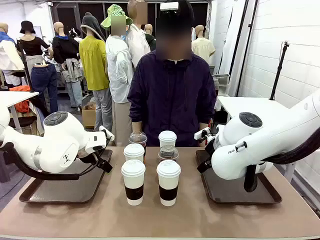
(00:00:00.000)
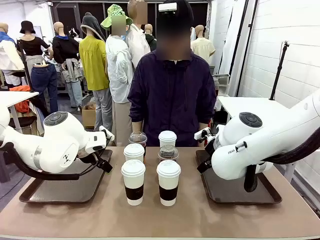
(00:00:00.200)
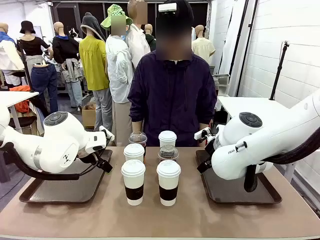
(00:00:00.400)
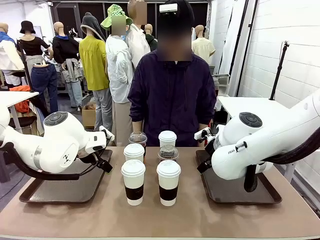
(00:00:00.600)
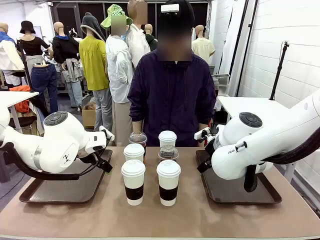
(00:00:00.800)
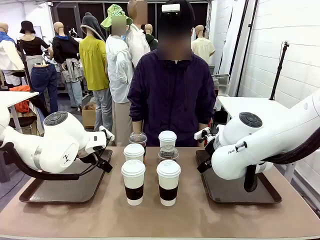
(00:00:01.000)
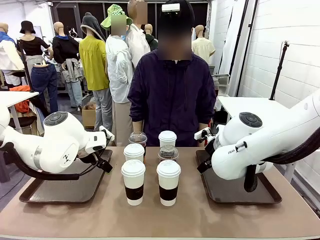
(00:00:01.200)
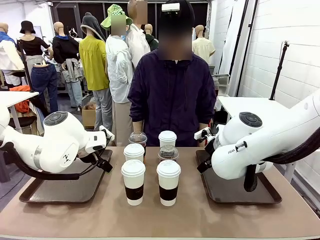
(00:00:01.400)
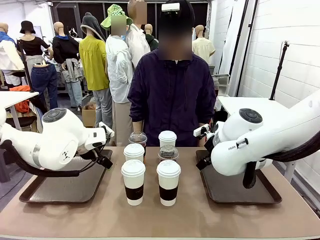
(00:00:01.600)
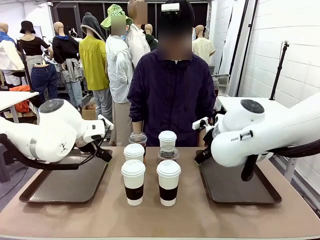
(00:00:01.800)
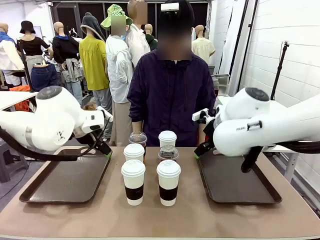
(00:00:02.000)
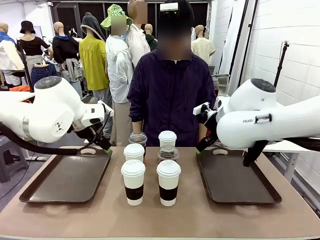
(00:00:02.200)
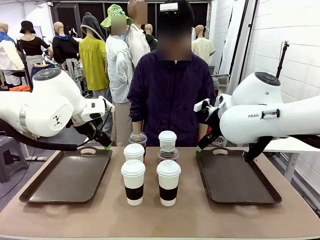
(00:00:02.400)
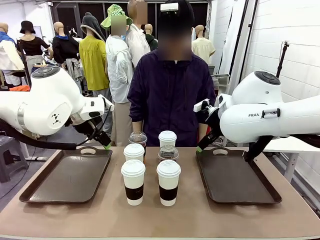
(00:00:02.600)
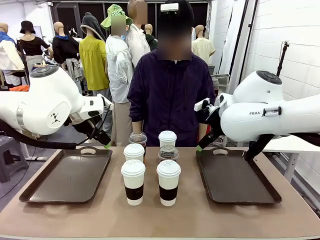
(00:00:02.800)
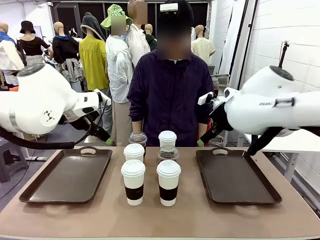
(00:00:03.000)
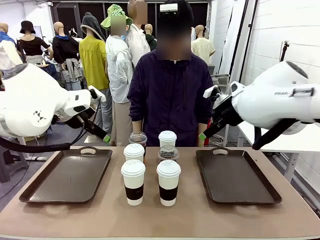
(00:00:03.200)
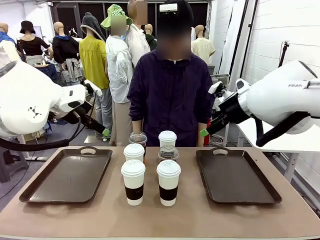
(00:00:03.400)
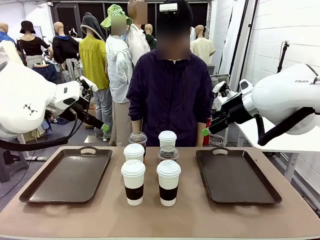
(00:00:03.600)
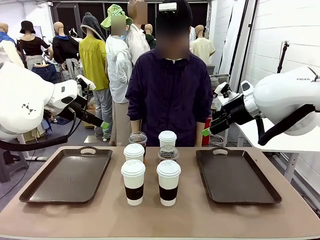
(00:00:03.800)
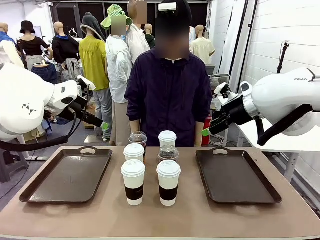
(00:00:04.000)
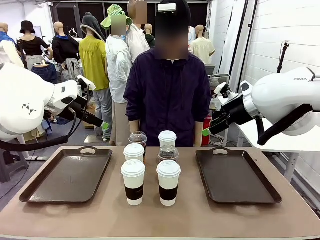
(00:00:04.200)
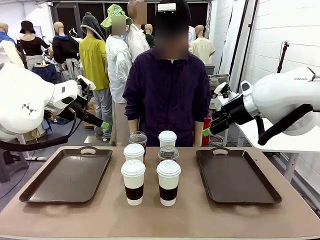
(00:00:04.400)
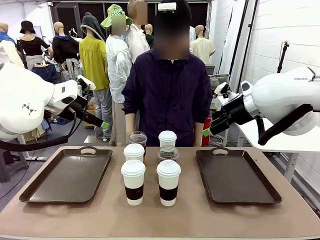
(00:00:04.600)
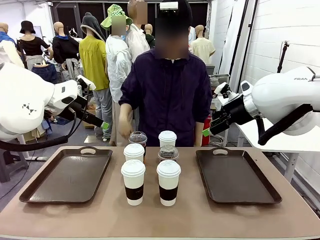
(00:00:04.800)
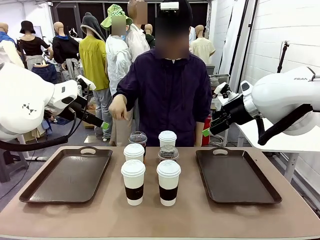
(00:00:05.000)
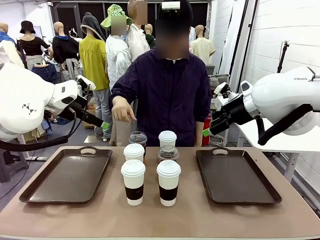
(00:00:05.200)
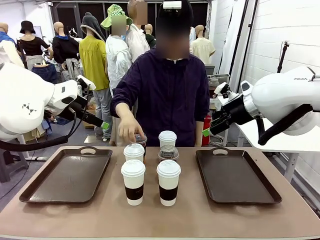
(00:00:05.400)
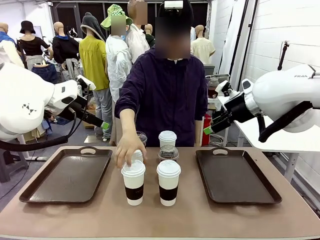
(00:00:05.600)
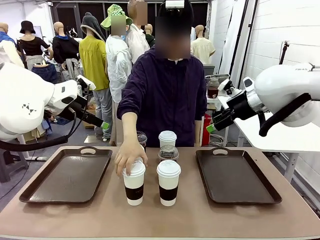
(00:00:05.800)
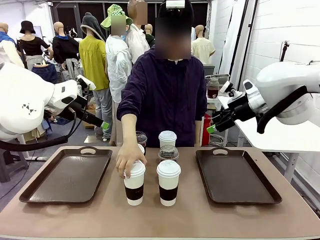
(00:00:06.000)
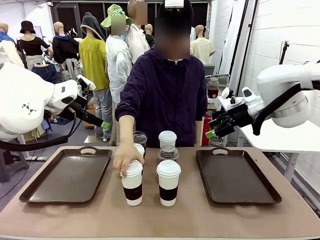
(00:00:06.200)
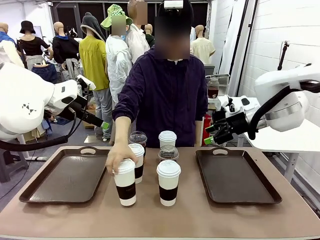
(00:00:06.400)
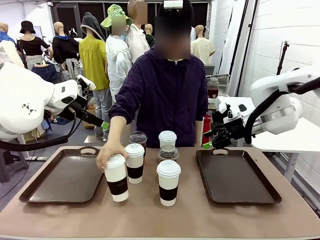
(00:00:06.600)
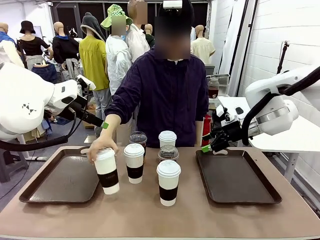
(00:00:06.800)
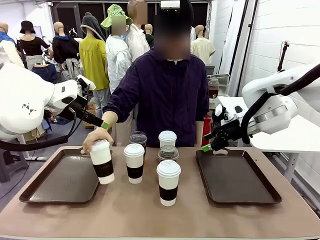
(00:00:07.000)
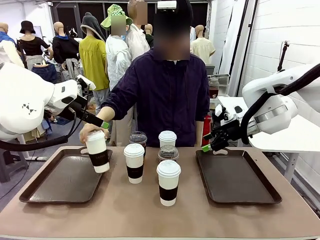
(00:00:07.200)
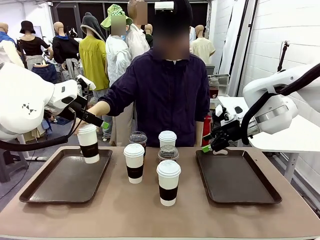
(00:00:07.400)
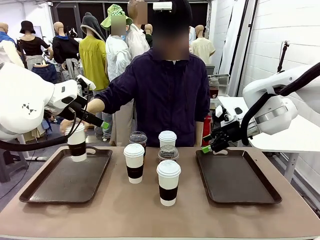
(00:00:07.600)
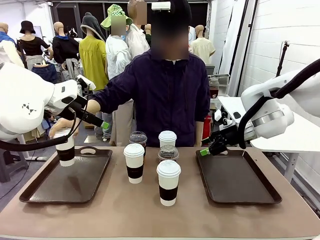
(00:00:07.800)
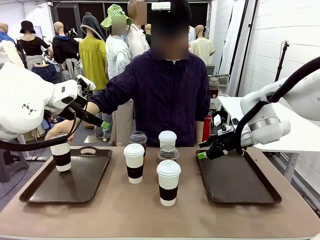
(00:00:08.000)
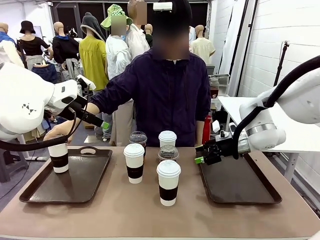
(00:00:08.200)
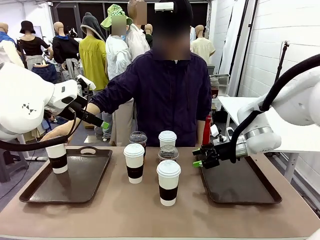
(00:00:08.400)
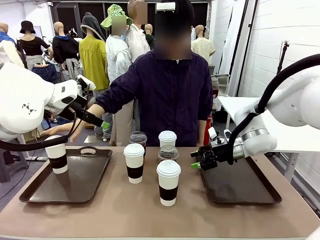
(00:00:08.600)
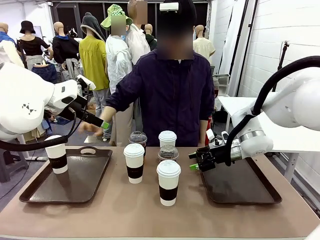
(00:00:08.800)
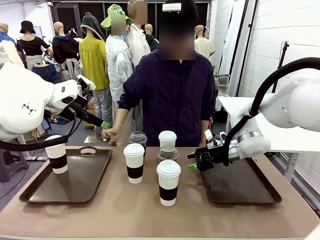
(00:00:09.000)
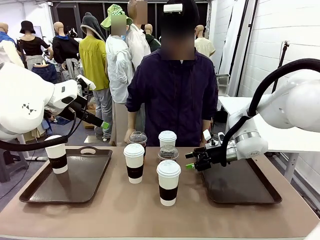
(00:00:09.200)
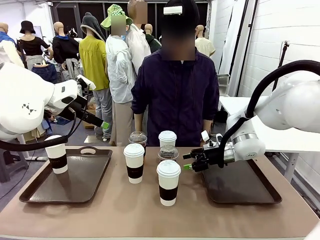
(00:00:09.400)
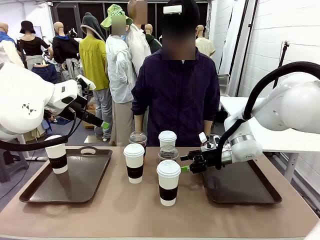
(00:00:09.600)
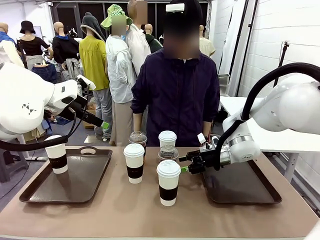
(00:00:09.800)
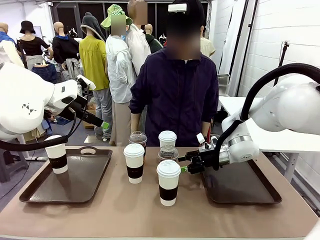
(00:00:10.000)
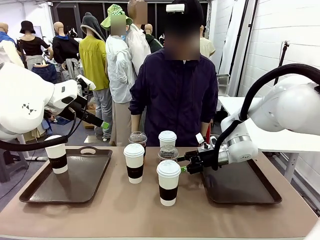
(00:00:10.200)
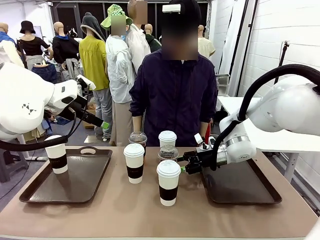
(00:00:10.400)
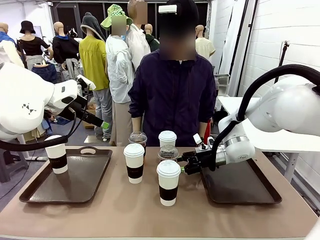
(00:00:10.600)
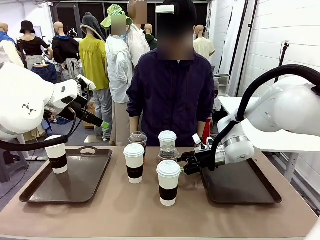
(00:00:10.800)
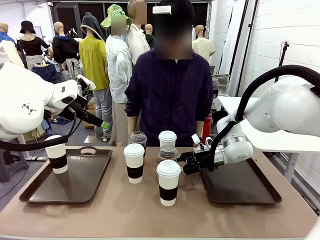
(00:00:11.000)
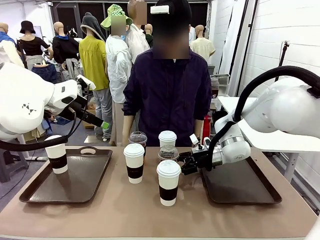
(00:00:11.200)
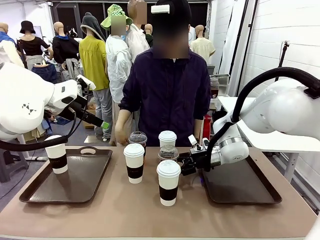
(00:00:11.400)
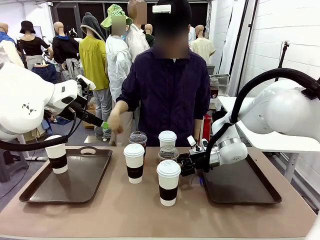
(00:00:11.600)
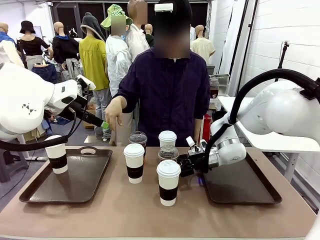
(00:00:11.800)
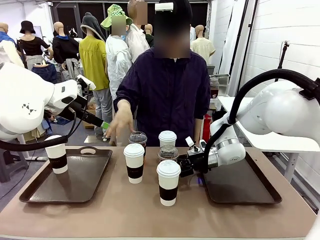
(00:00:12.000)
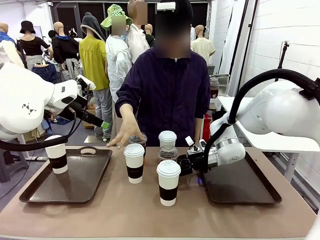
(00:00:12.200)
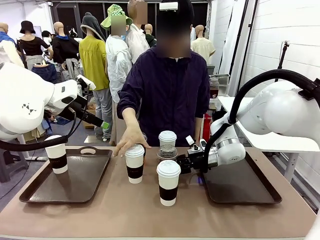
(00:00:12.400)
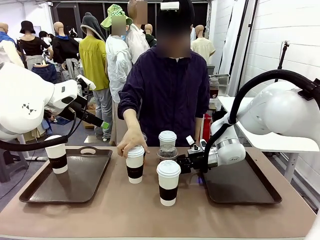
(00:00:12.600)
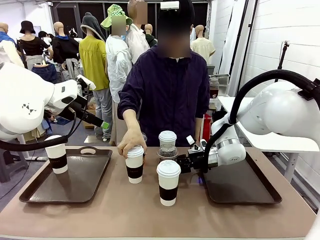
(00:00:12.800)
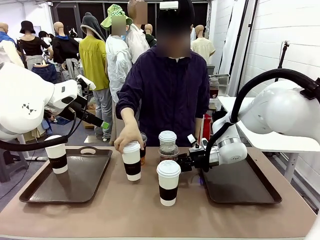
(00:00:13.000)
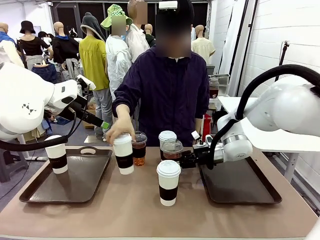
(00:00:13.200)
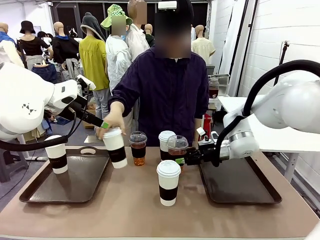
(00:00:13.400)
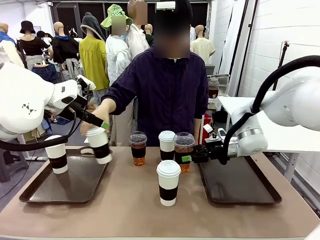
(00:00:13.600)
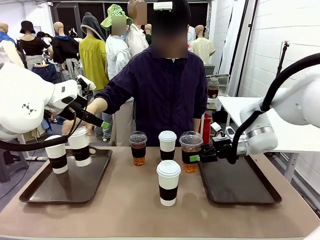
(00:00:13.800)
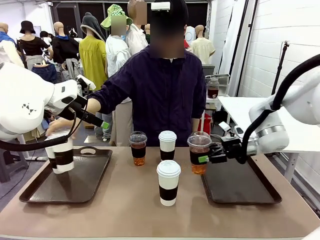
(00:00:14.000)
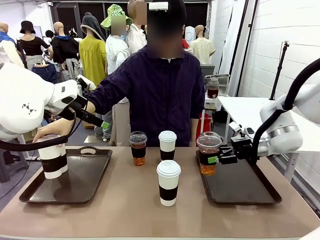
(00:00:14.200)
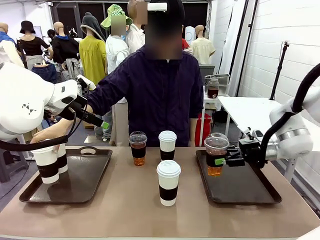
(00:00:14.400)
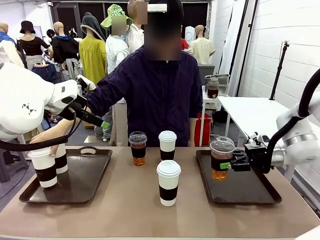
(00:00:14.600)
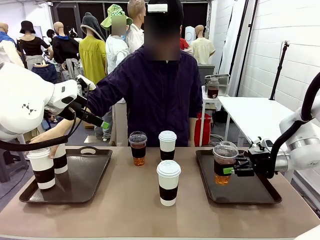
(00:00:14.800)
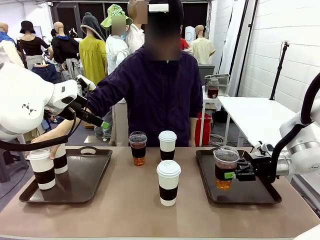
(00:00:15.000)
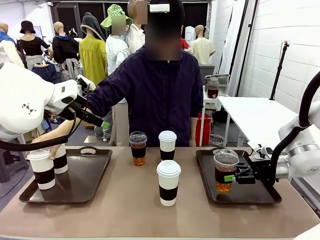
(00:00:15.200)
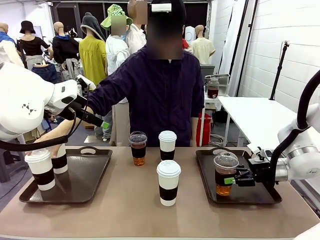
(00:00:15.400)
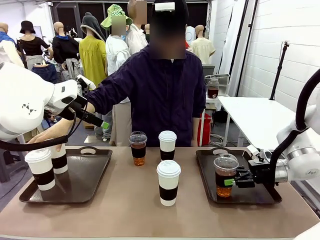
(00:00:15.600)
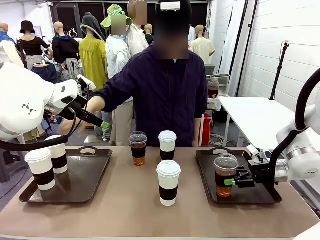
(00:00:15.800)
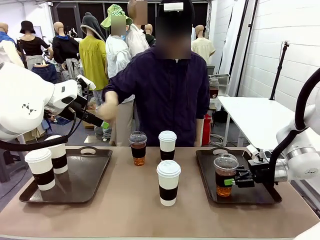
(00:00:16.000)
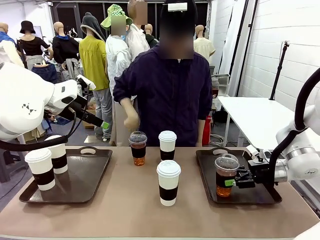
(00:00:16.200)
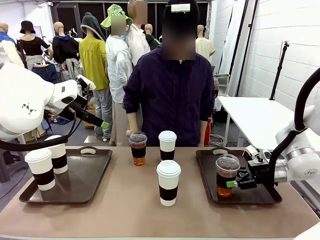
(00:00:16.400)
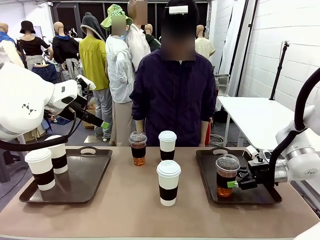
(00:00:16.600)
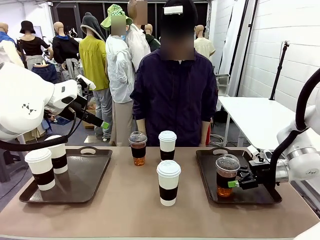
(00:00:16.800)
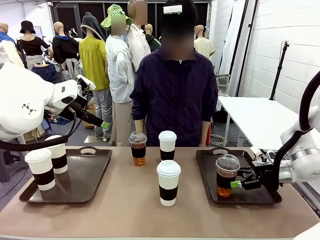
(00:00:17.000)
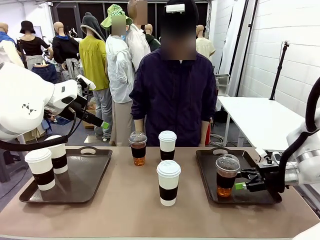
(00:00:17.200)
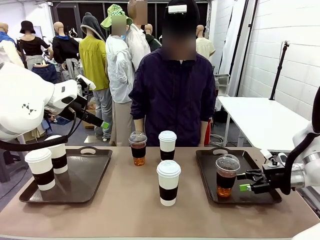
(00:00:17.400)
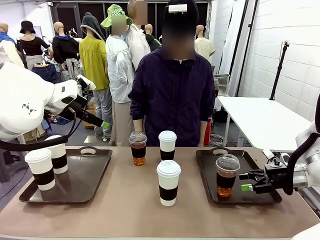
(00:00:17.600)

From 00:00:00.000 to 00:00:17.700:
Task: Distribute the coffee onto the tray.
Robot: Pick up one iced Americano and place it on the right Handle tray.
Person: Pick up a cup of hot Americano and place it on the right tray.
